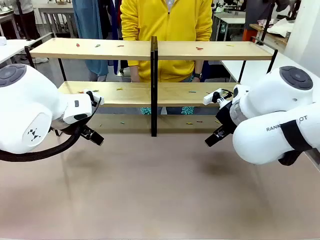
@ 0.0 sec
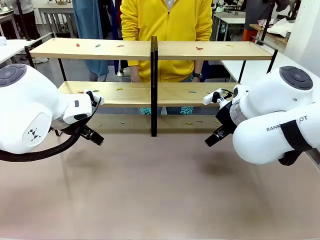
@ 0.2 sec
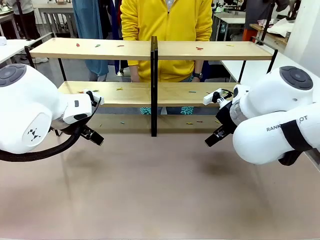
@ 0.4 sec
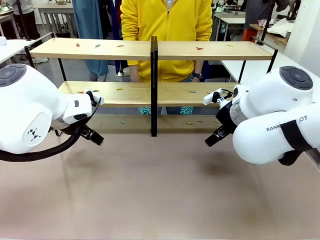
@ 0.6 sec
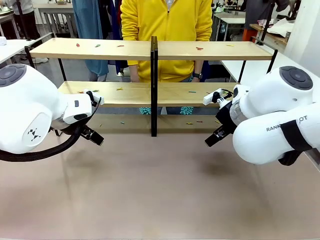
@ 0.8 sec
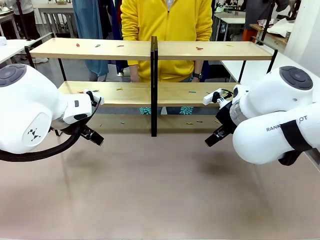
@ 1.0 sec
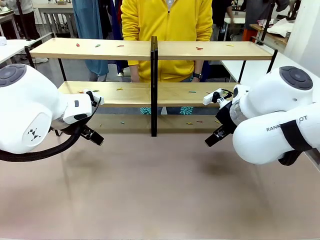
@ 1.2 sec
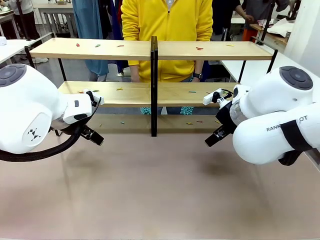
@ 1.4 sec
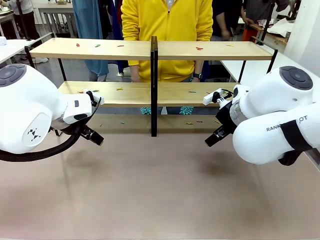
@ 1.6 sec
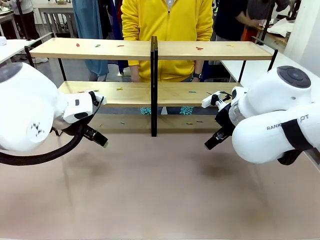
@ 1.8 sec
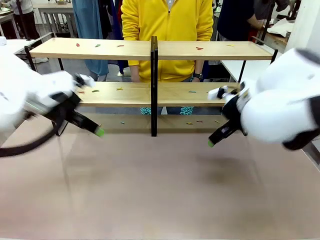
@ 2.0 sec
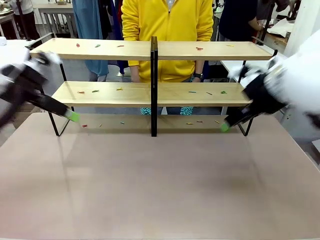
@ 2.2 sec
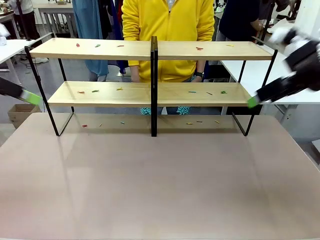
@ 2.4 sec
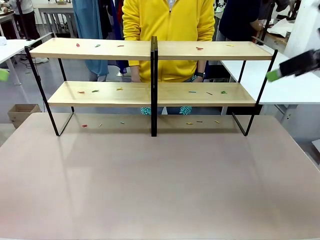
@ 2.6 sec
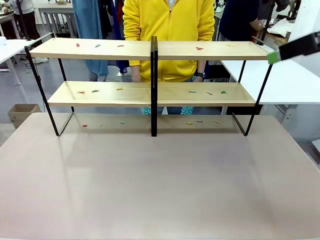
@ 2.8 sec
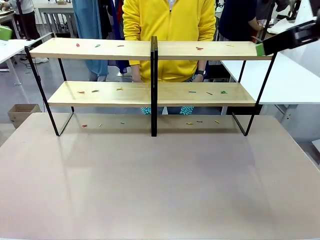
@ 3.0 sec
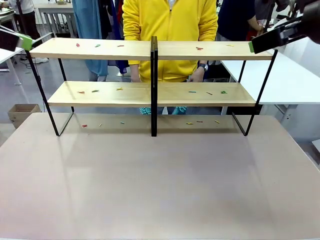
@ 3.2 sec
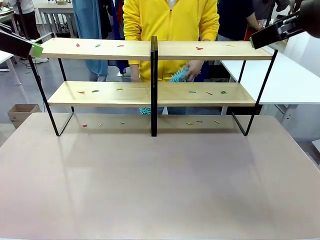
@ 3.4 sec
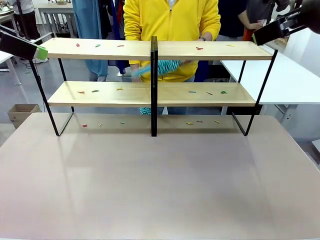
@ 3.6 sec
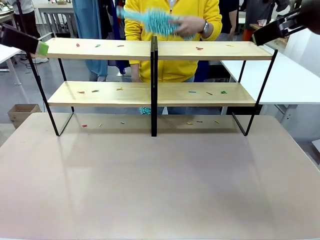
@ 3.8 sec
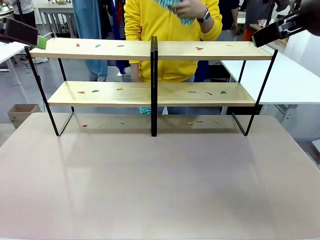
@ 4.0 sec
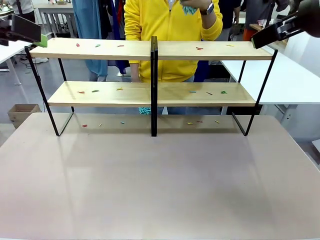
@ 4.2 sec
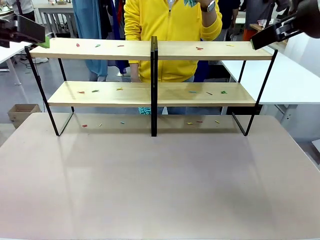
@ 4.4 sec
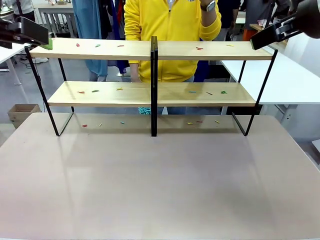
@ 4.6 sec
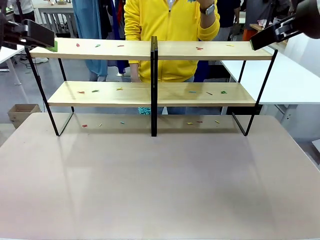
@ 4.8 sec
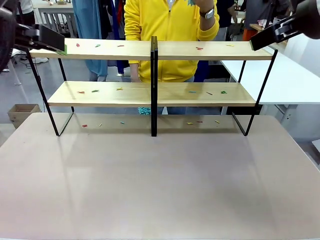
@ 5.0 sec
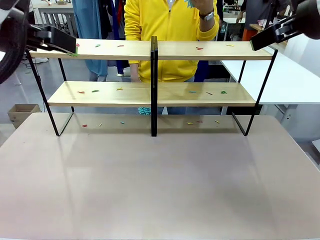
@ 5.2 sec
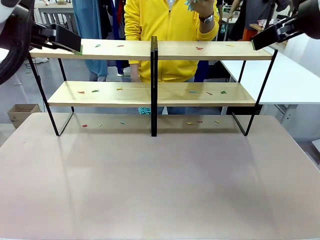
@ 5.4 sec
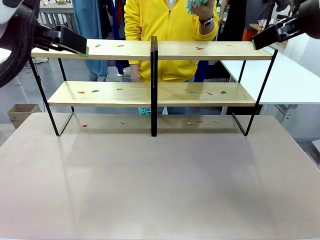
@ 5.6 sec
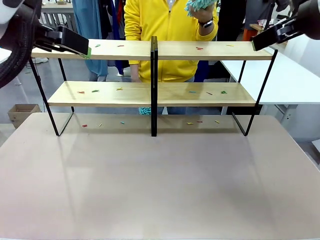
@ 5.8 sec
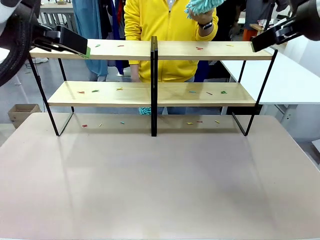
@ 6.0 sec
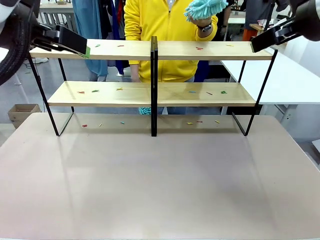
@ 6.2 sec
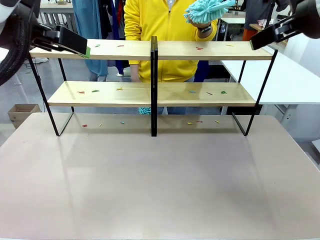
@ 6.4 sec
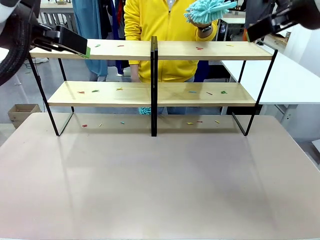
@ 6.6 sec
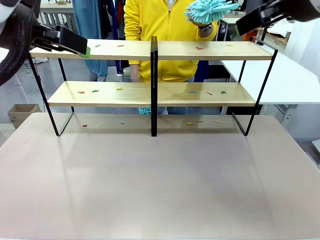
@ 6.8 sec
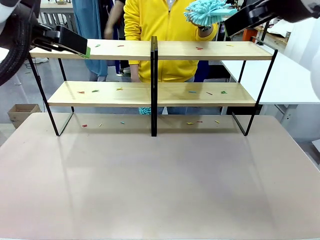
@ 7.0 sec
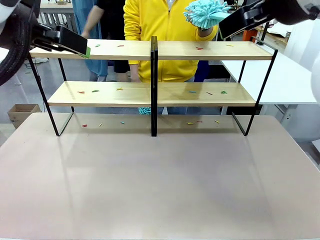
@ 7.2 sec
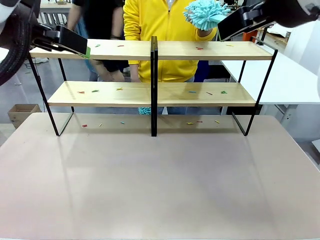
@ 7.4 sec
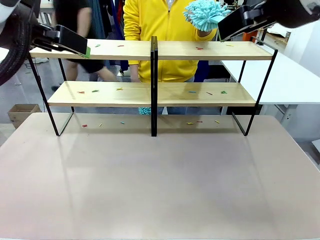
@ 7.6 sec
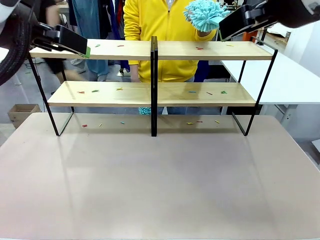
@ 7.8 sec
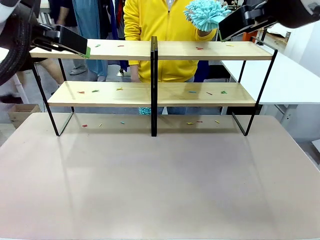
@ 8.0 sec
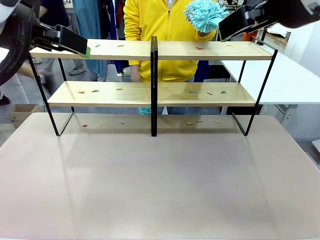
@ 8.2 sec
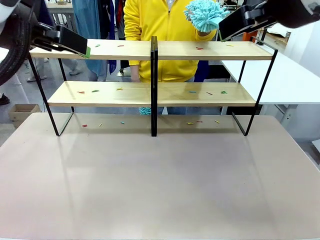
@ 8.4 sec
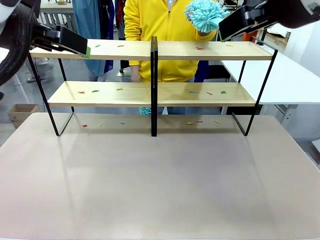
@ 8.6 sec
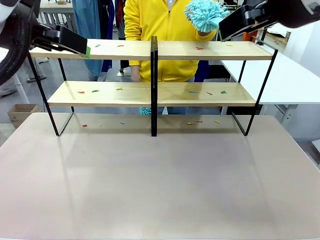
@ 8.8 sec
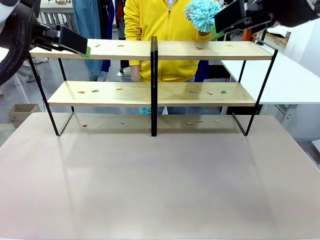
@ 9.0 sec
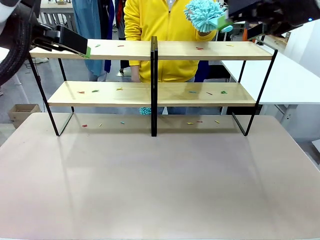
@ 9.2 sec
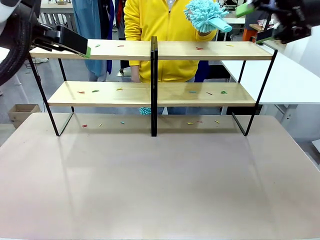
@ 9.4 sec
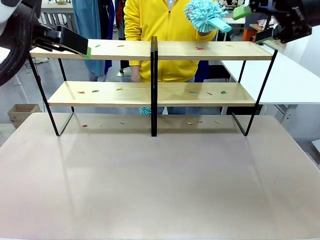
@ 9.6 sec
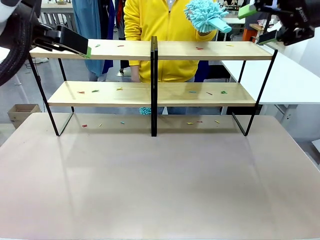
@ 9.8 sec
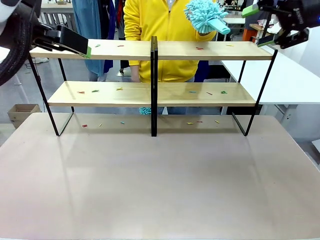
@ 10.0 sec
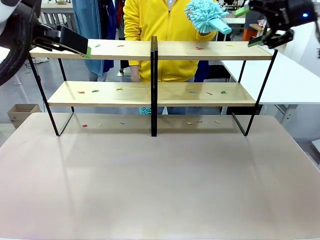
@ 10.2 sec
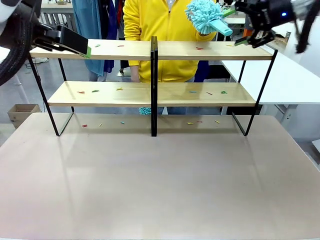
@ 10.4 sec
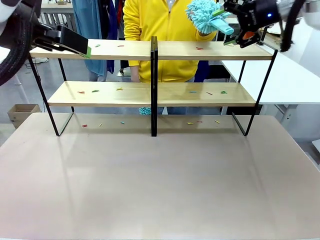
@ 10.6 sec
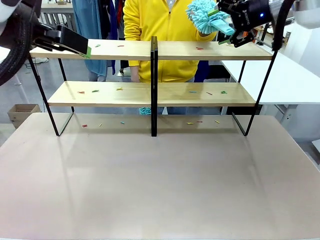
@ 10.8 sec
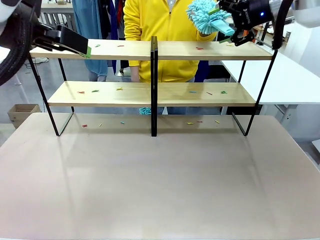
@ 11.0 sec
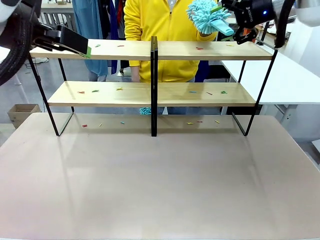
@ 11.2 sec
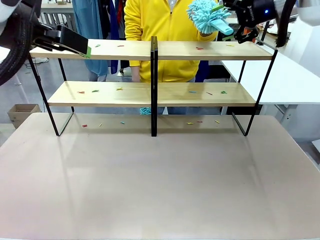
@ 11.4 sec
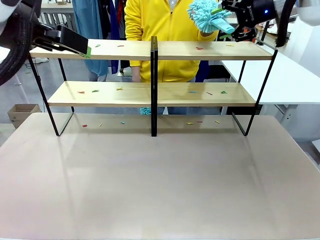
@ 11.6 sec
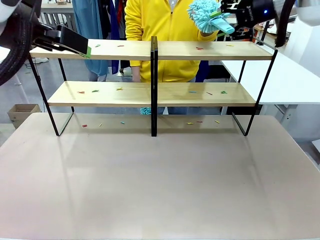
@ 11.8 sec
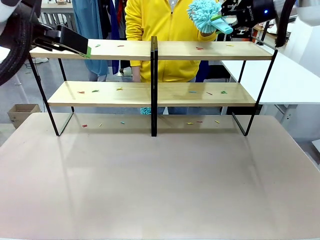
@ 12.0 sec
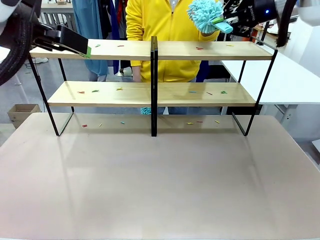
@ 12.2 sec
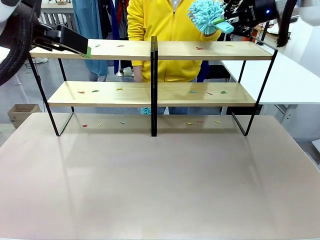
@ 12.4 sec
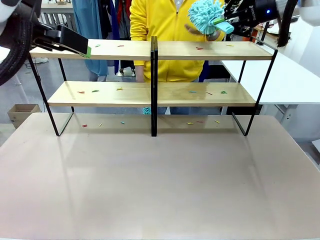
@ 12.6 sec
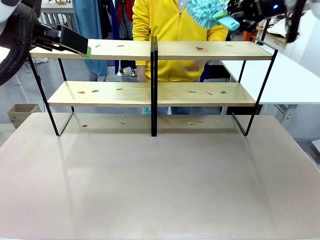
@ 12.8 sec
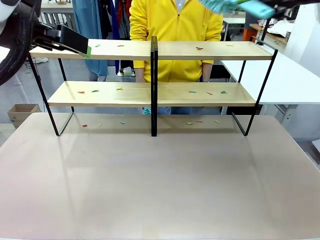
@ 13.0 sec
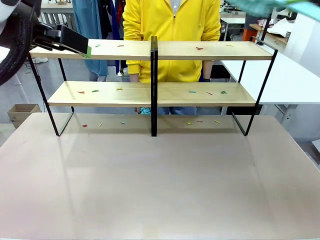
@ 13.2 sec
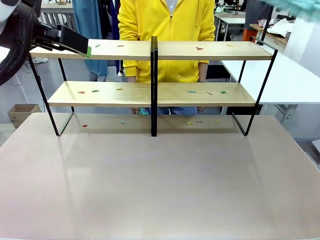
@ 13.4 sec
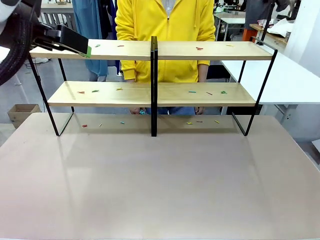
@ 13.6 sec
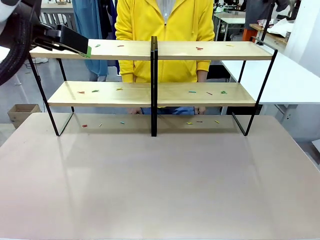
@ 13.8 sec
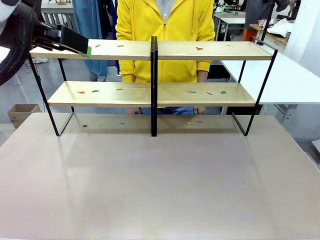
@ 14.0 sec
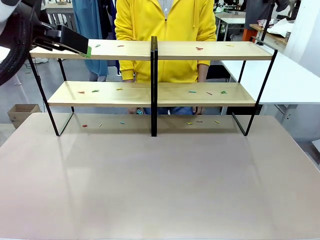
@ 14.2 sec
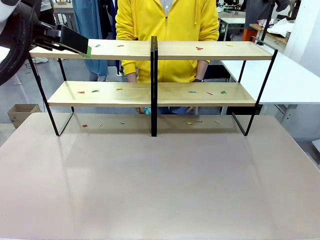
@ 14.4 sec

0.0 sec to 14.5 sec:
Task: Clean the shelves.
Robot: Pick up the Duster when the human hands it over.
Person: Hand the Duster to the robot with your right (or left) hand.
